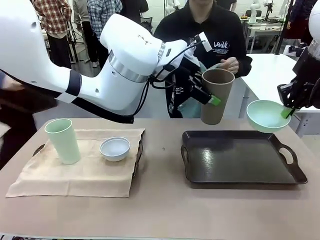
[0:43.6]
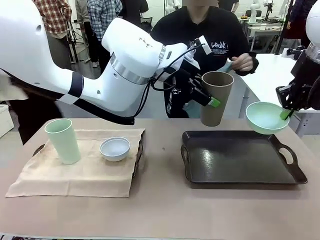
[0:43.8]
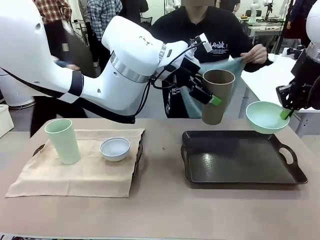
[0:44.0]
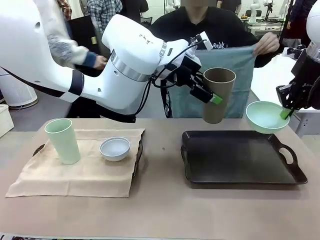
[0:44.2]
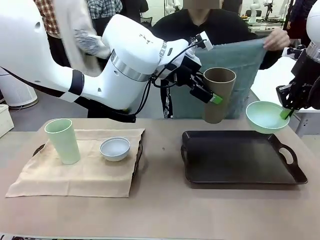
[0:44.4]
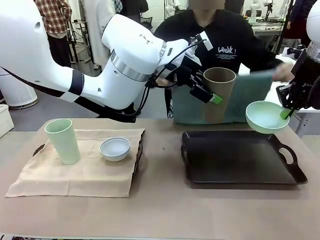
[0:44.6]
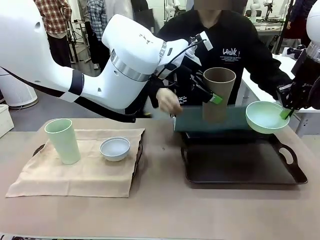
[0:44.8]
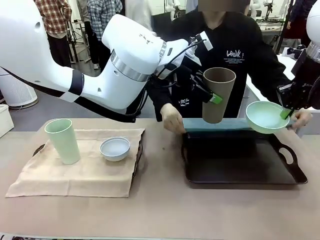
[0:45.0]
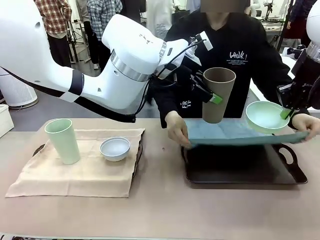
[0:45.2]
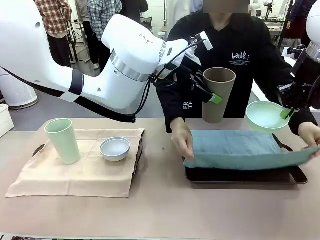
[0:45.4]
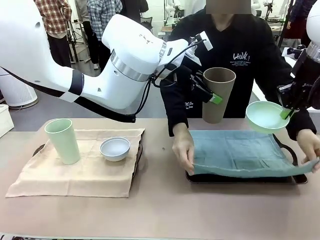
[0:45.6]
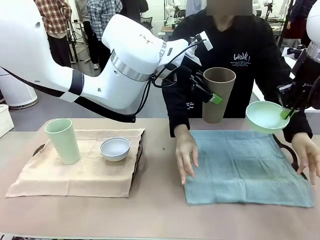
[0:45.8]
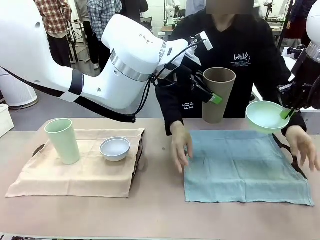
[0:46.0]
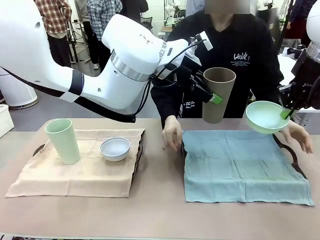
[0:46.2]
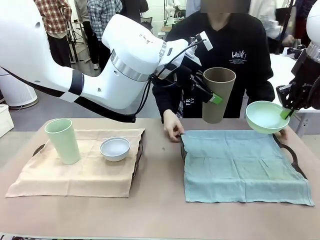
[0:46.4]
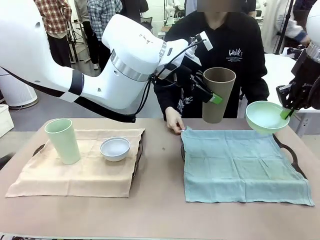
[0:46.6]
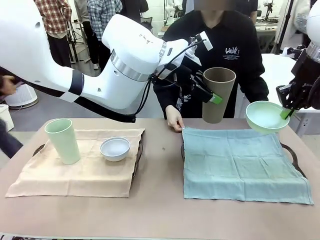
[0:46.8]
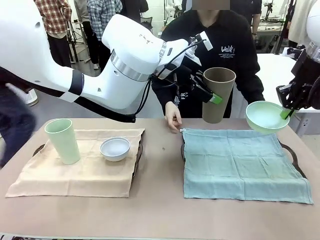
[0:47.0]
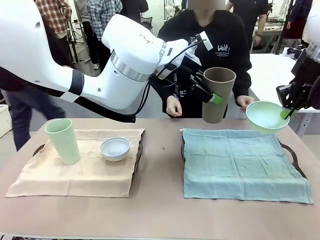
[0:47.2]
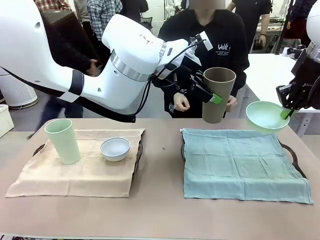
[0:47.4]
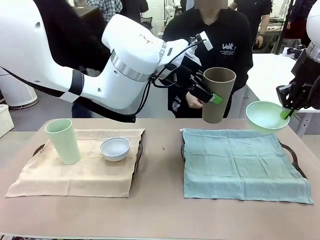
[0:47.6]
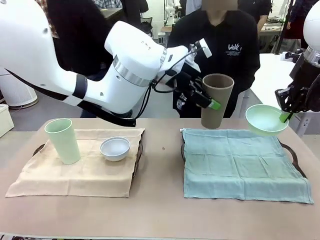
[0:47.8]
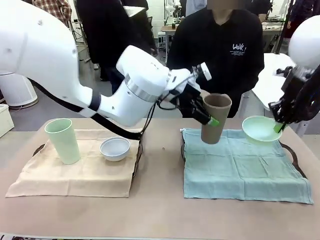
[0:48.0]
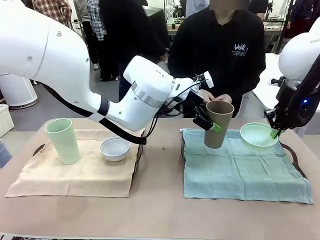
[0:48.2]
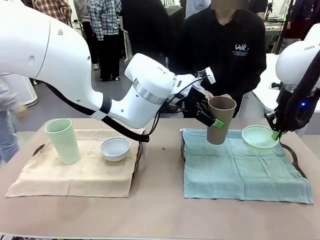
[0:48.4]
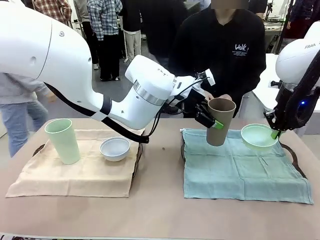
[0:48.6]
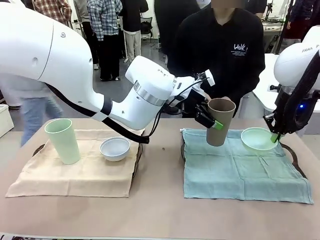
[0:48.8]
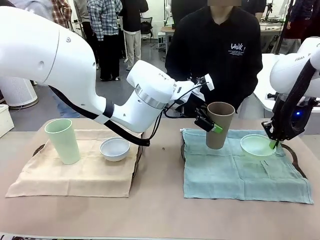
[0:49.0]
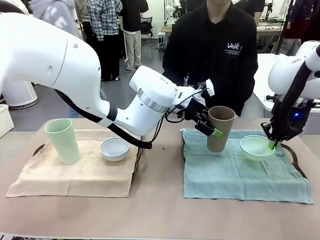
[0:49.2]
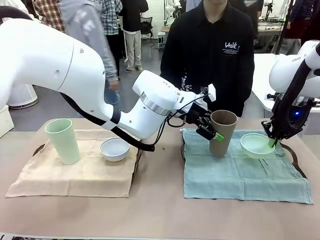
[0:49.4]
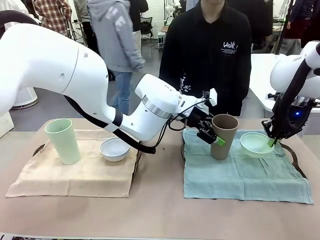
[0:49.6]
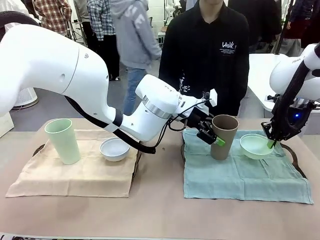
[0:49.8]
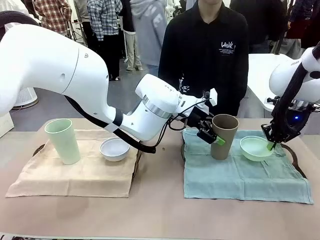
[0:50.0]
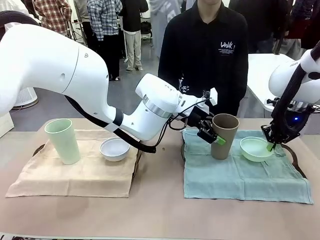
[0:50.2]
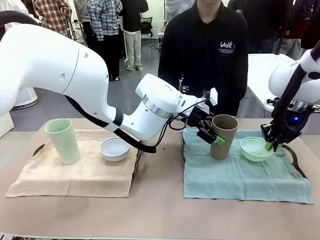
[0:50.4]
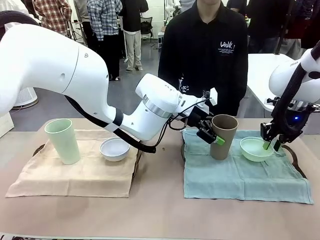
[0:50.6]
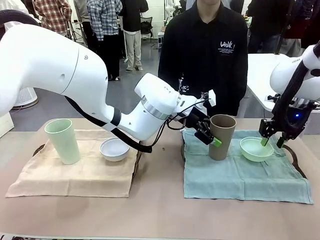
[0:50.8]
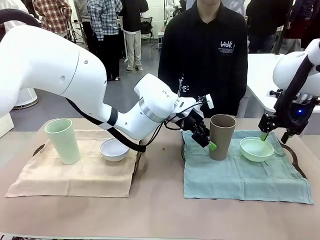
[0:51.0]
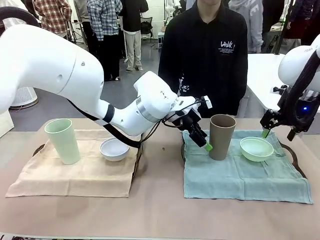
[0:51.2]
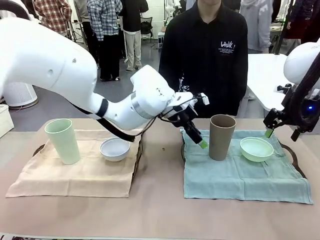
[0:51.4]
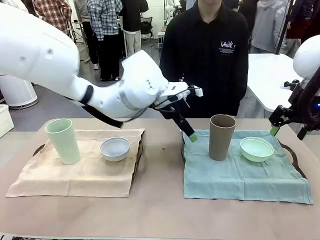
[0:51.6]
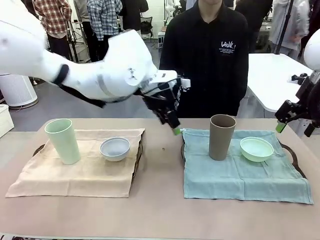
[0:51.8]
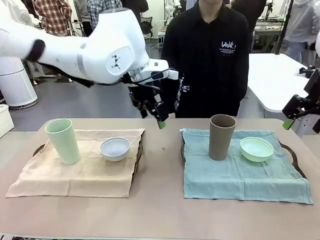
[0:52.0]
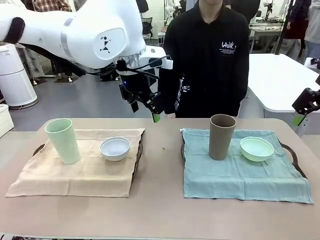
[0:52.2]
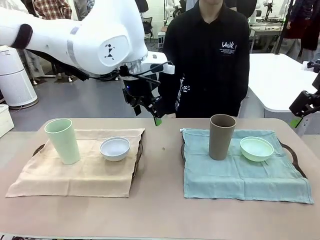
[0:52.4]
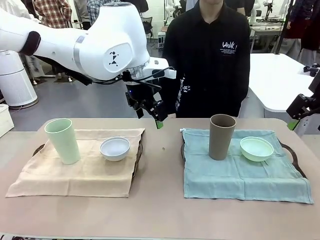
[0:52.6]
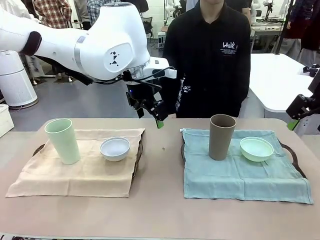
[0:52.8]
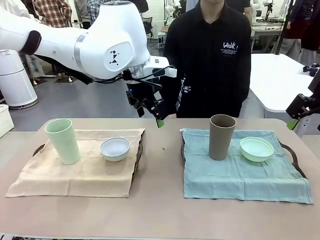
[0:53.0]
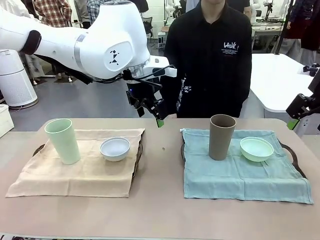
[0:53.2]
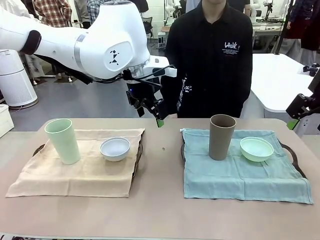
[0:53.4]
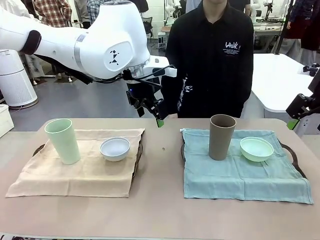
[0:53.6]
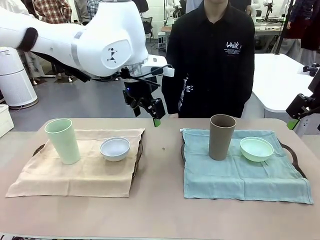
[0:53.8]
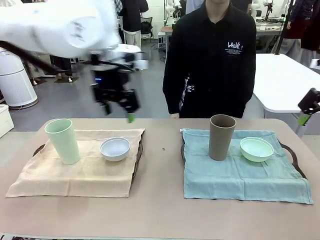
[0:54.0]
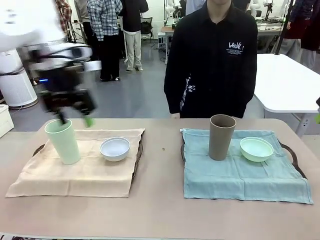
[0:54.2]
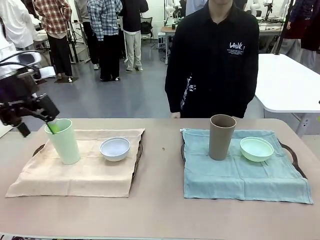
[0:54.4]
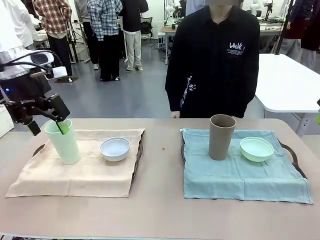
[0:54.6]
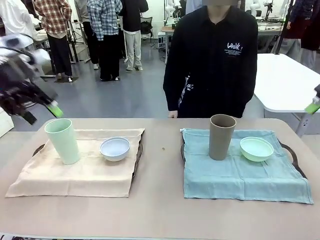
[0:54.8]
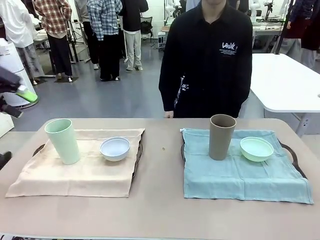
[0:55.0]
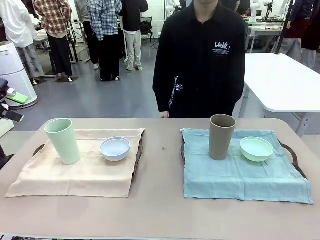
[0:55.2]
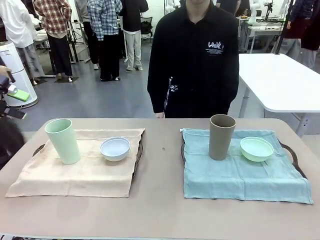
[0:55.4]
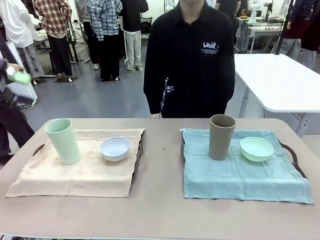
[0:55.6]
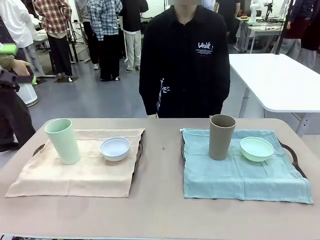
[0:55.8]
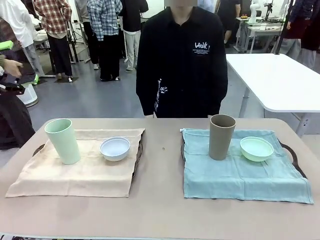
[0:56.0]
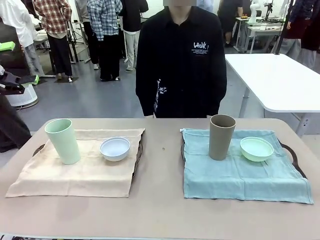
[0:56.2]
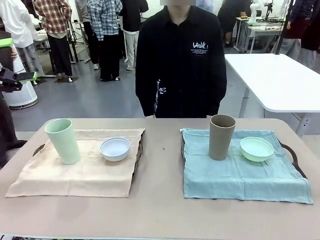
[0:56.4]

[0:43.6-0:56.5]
Robot: Place the Picnic Bowl and Reusable plastic cup back onto the Handle tray in front of the human's position.
Person: When the robot lifts the bowl and the cup, the human unfolds the napkin and lays the napkin flat on the tray.

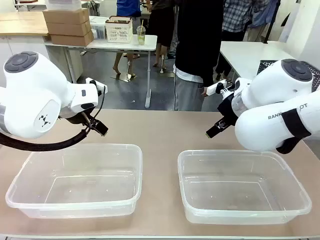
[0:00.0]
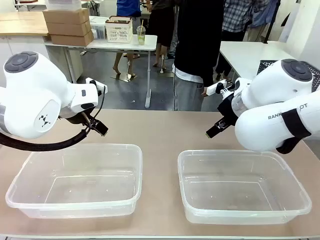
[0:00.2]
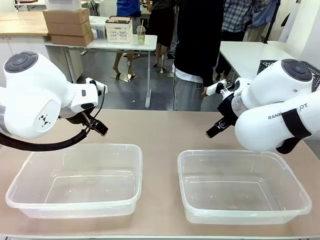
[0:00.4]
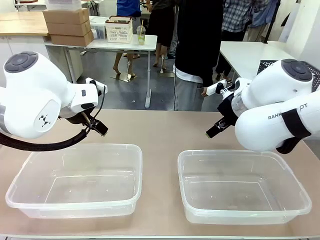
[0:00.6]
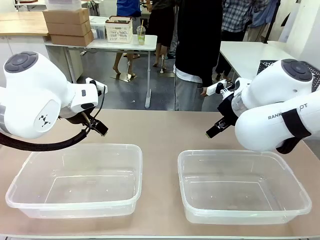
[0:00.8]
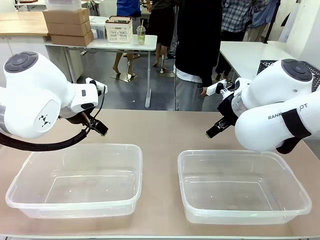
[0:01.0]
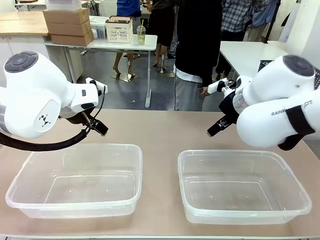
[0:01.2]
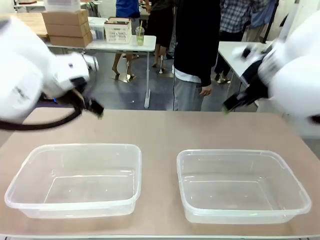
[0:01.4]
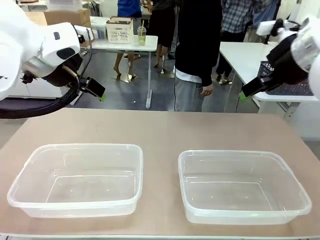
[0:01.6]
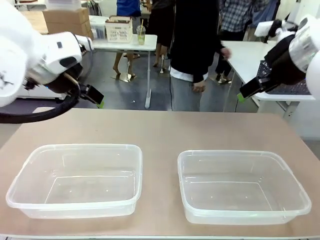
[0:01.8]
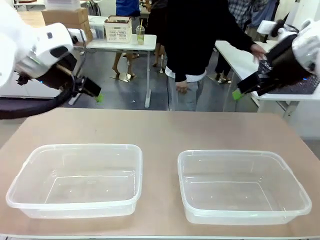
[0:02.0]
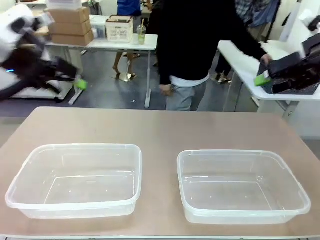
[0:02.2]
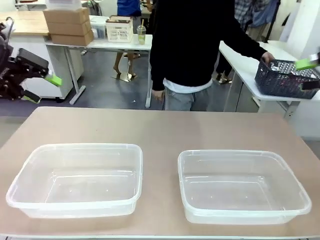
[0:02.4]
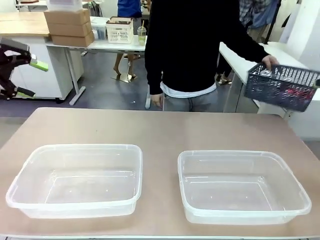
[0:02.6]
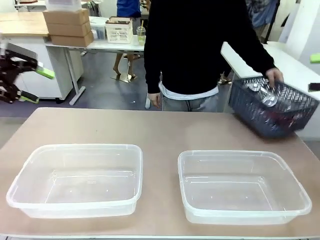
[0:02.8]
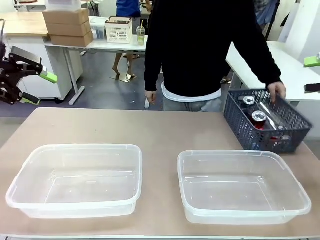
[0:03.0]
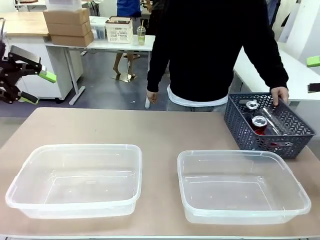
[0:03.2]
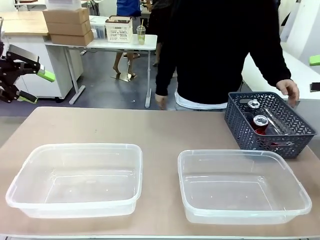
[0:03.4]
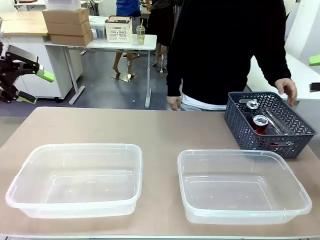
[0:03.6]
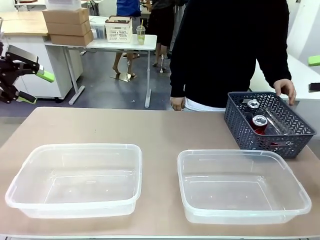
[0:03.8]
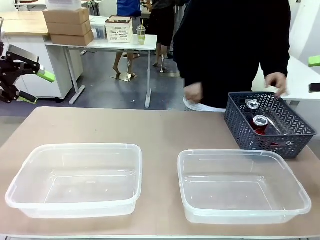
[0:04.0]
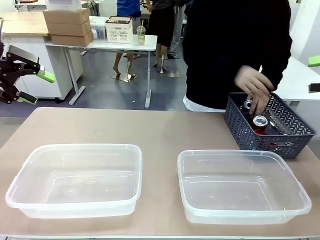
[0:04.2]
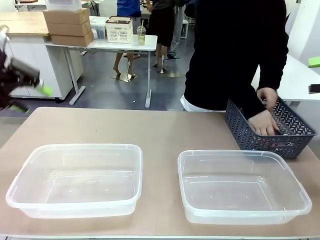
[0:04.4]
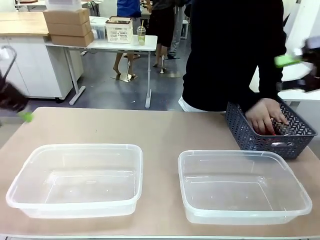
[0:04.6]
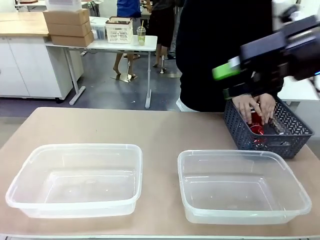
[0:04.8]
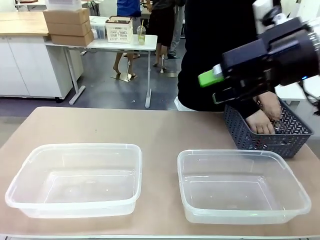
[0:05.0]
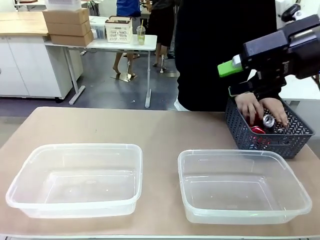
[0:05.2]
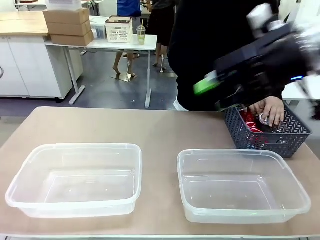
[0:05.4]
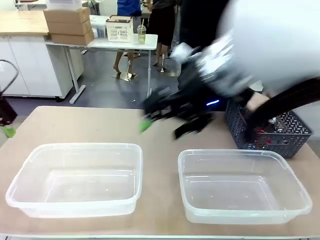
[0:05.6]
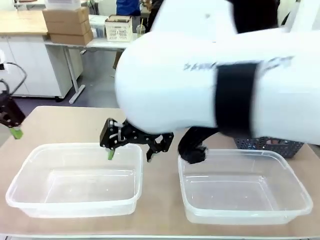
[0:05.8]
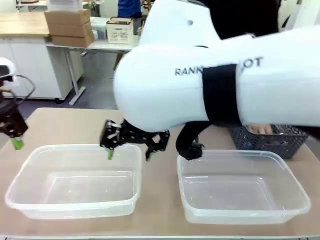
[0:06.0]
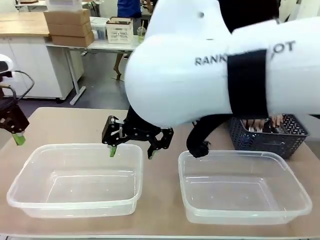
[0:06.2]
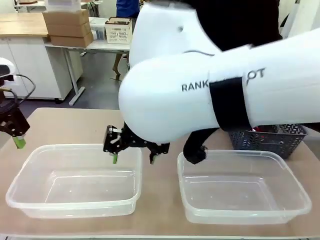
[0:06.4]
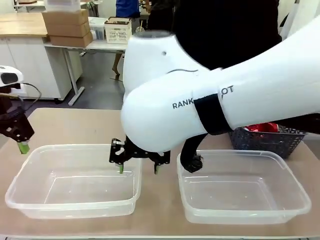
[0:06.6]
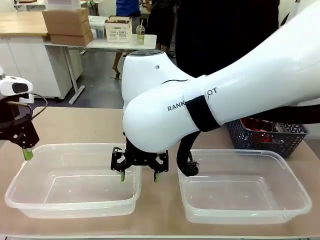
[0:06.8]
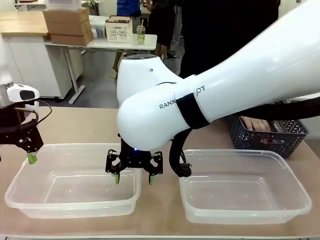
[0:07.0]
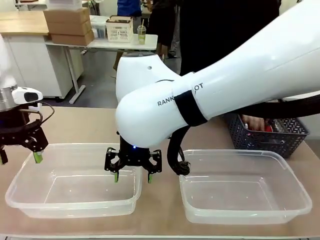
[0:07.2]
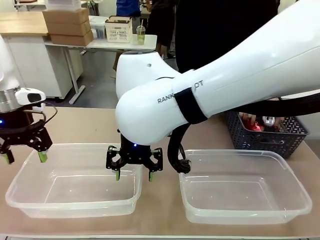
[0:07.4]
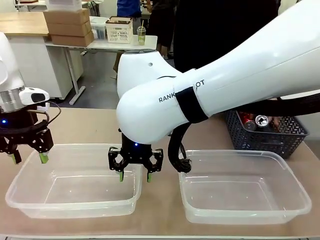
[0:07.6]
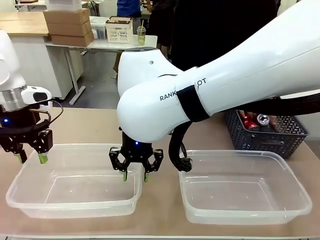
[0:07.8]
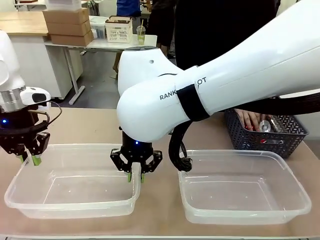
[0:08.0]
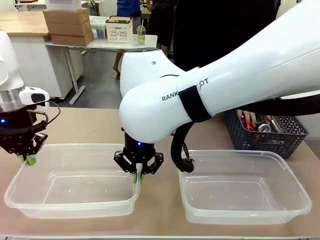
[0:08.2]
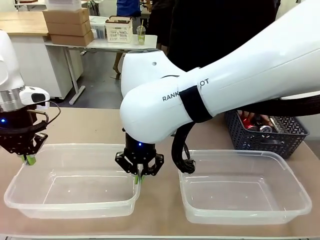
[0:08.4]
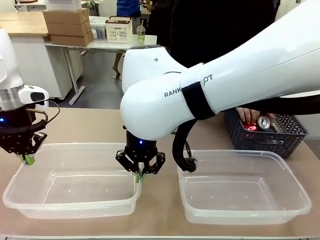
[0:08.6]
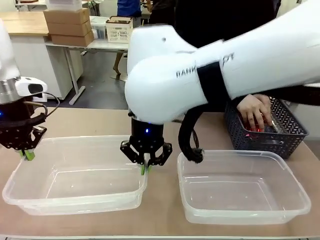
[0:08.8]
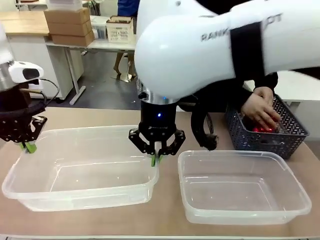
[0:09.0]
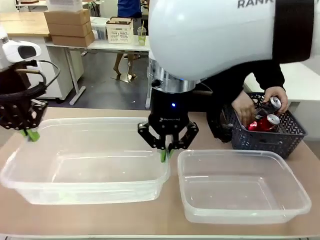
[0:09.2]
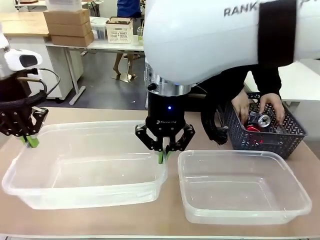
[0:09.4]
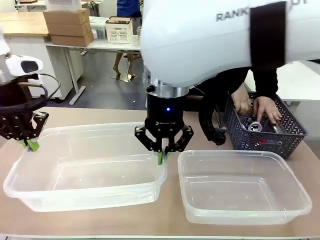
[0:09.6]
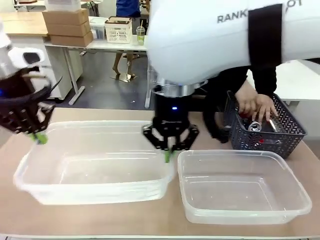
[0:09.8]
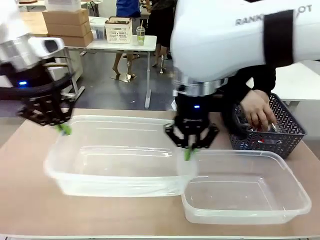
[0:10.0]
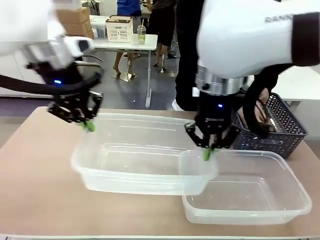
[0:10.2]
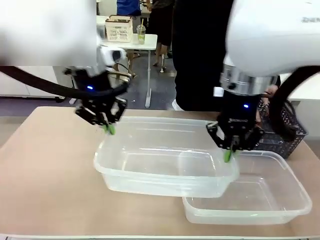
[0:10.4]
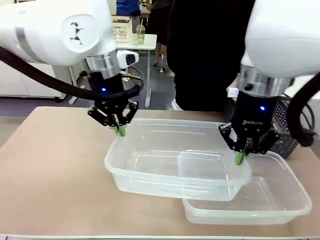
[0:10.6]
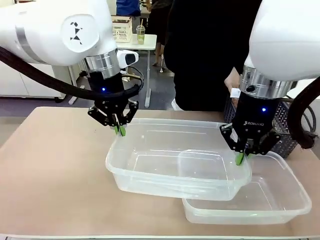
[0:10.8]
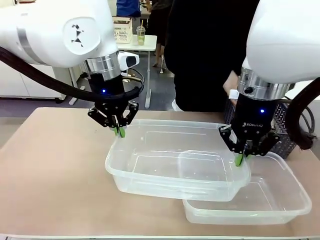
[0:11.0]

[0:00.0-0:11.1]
Robot: Pick up the Organizing box on the left side of the table and lift it.
Person: Pick up the storage basket and place it on the left side of the robot table. Pick up can-shaped waste one by one and place it into the organizing box lifted by the robot.
